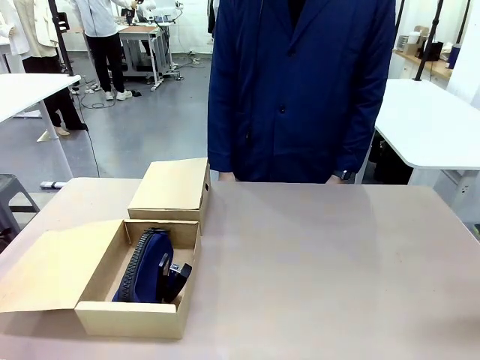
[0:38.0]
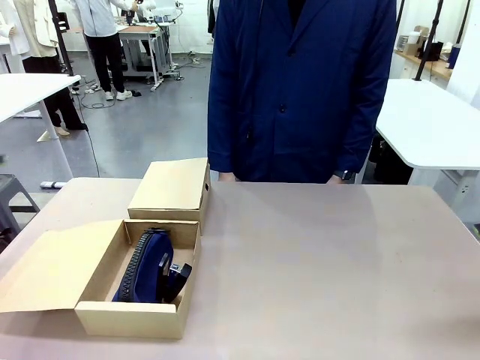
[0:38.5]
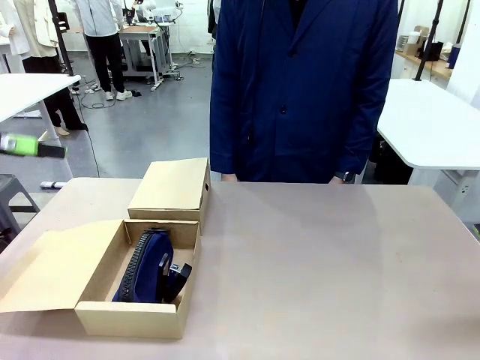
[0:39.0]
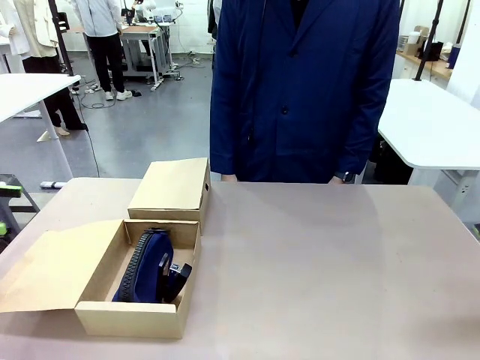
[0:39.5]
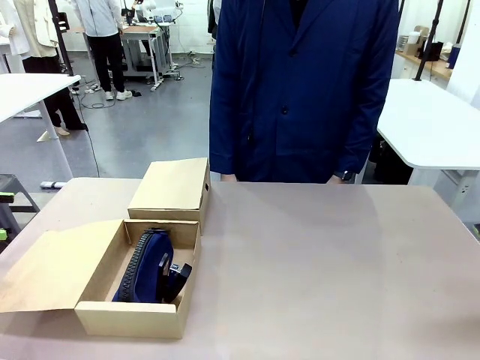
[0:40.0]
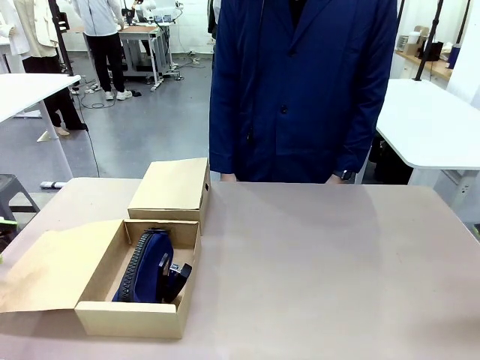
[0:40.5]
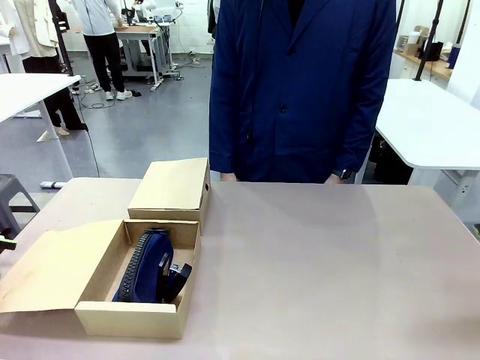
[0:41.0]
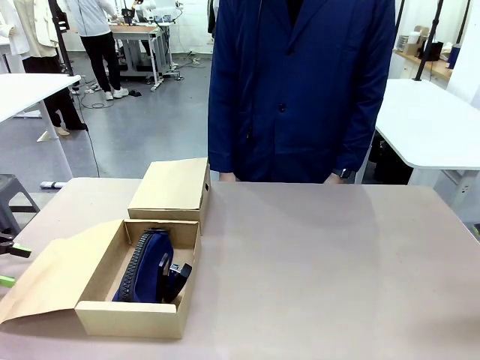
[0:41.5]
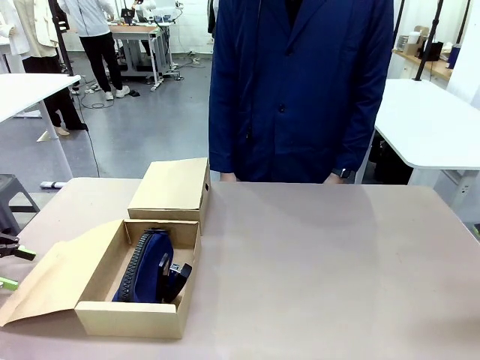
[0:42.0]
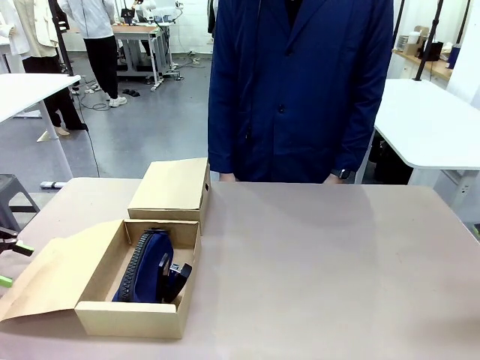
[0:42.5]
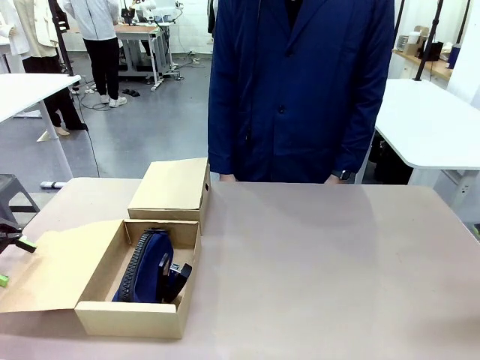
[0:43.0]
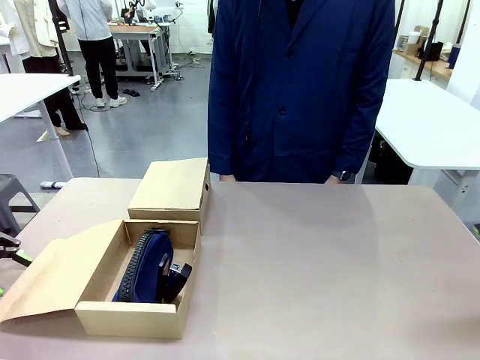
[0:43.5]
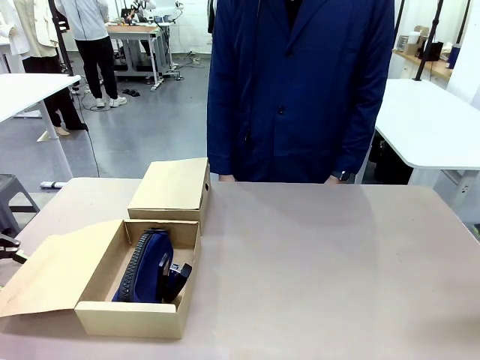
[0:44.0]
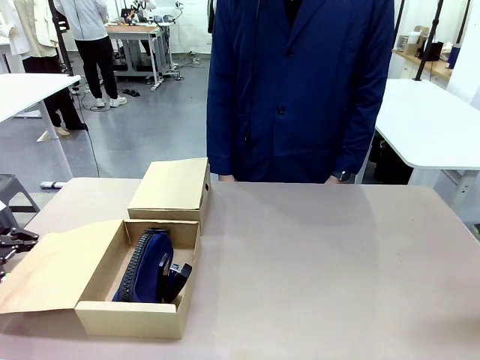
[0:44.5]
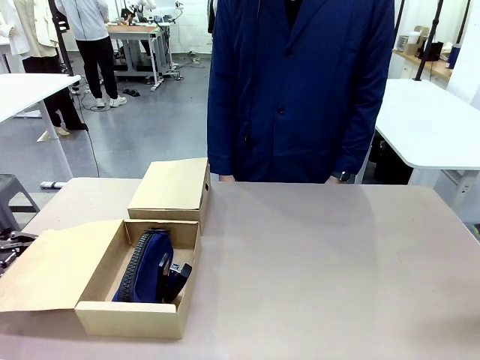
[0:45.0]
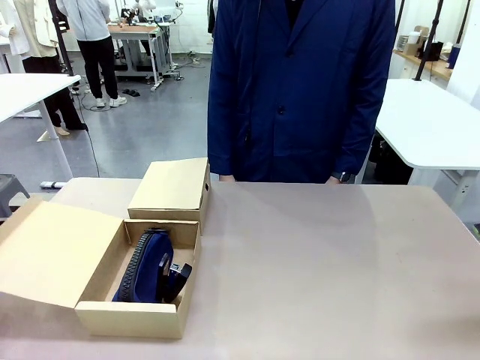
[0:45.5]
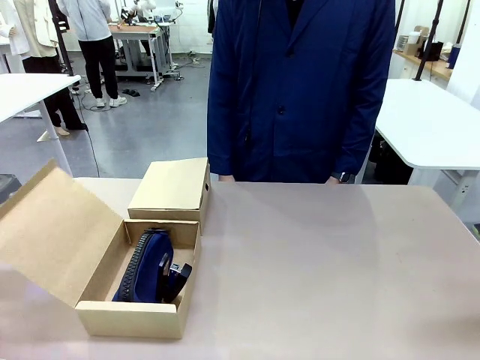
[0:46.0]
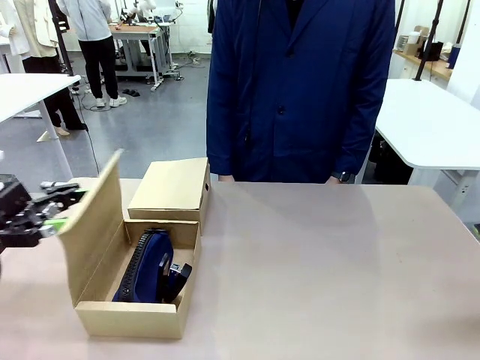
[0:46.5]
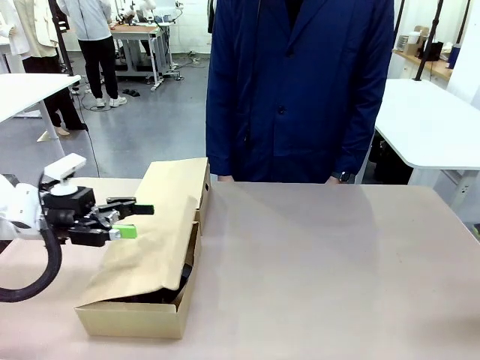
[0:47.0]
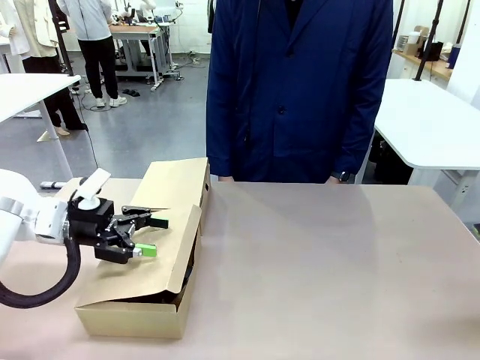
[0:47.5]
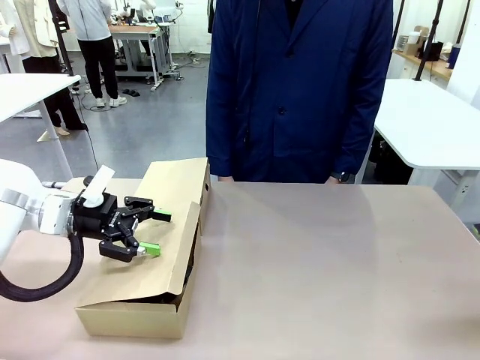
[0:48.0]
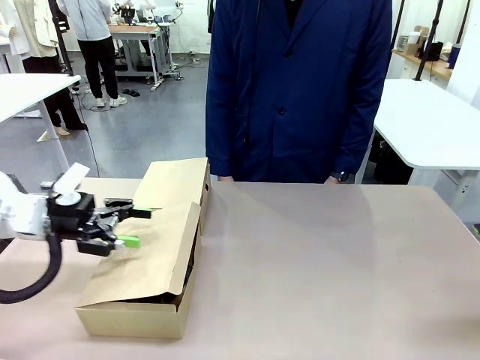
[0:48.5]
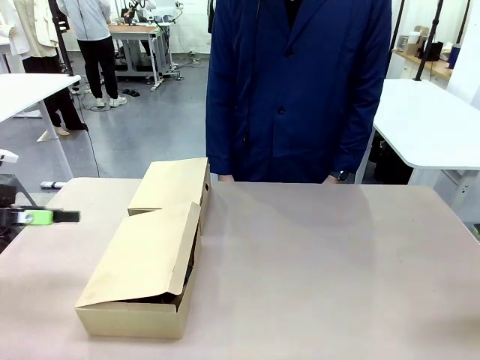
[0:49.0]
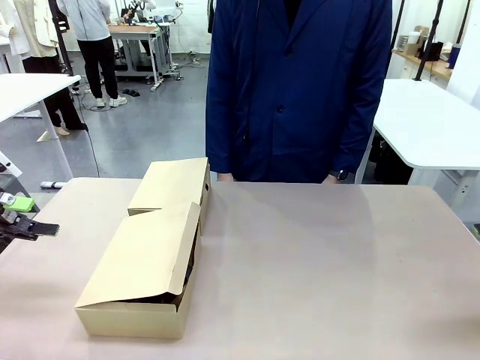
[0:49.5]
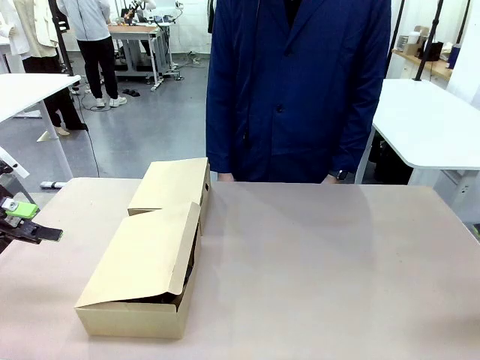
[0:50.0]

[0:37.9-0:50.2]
Task: Place items inside the box.
Robot: Close the lid of the Mailer Box closest to the robot.
Person: Close the lid of the box facing the person.

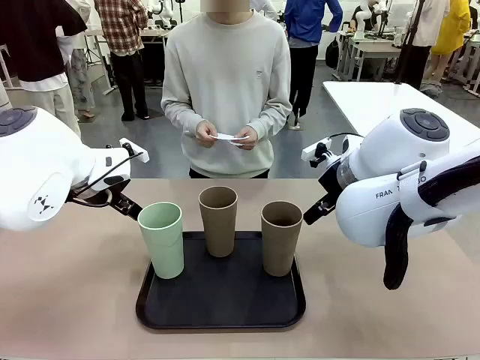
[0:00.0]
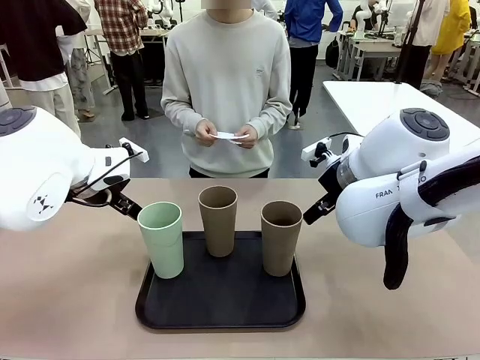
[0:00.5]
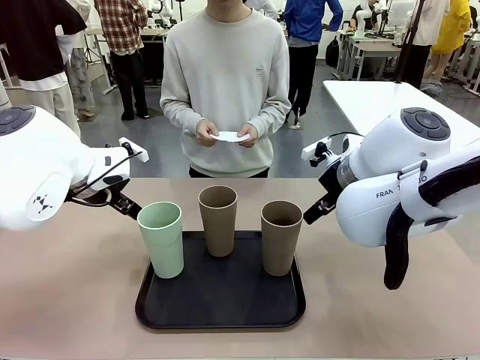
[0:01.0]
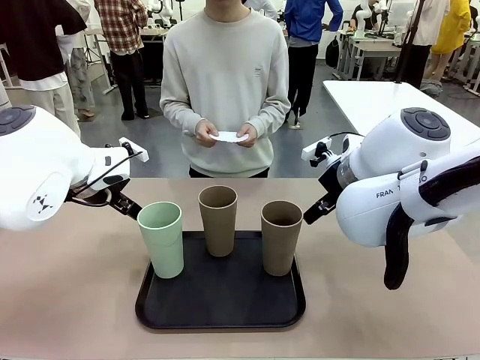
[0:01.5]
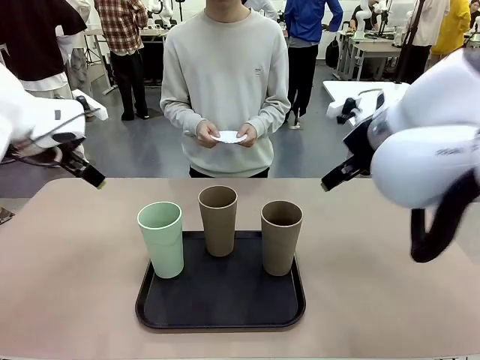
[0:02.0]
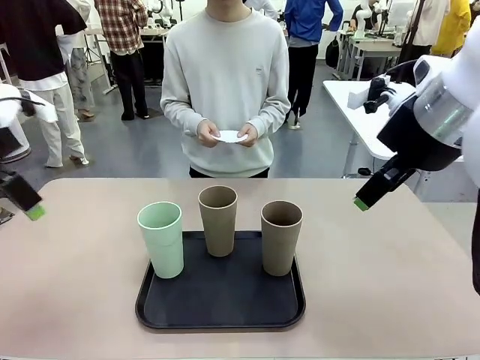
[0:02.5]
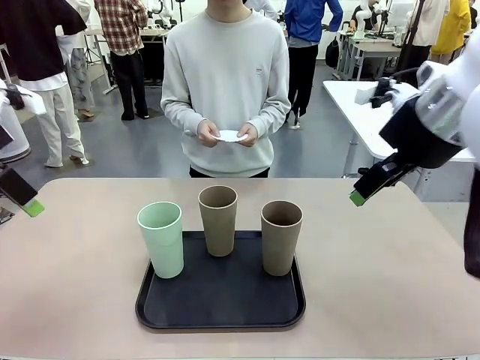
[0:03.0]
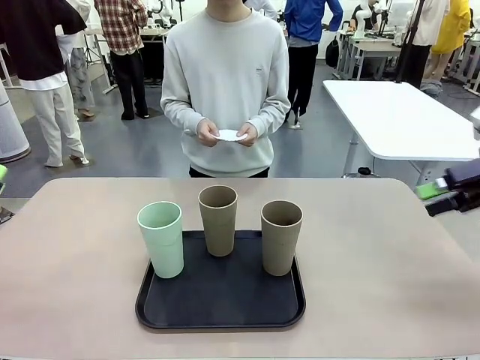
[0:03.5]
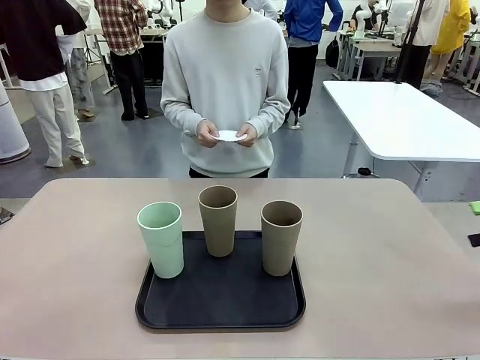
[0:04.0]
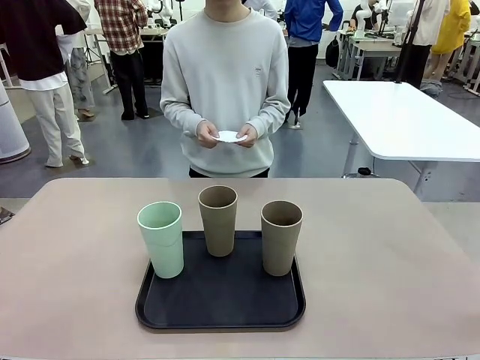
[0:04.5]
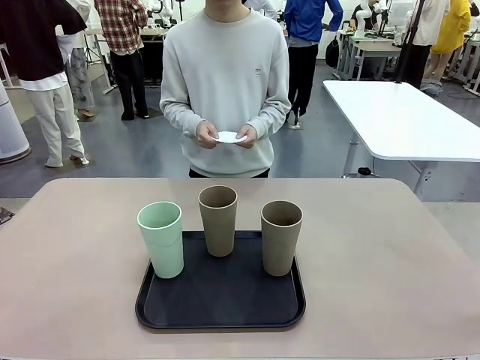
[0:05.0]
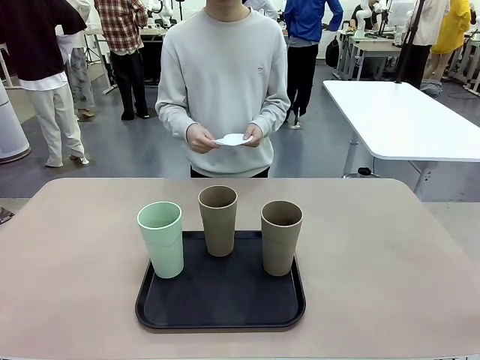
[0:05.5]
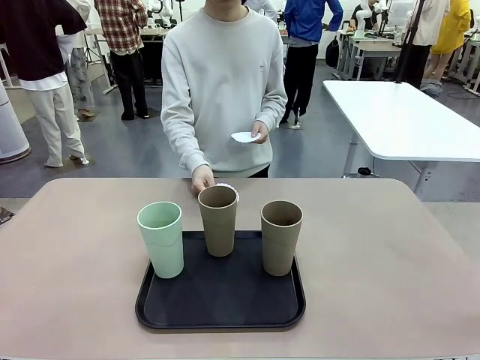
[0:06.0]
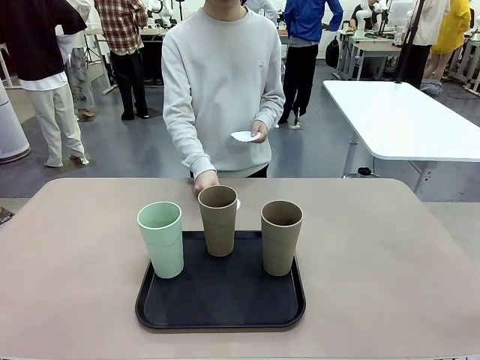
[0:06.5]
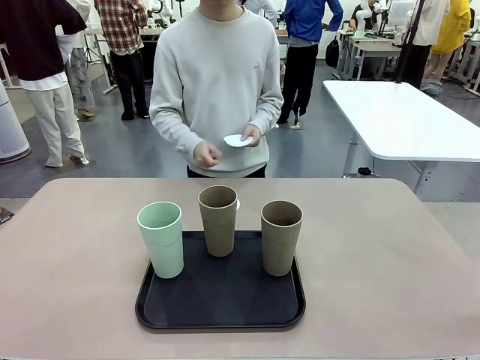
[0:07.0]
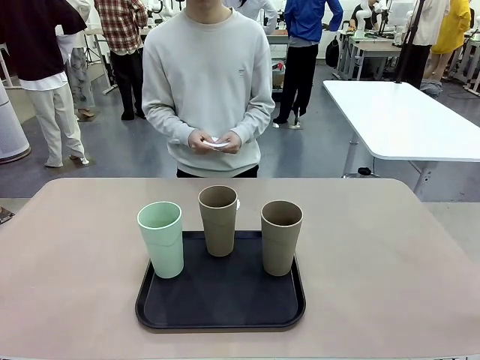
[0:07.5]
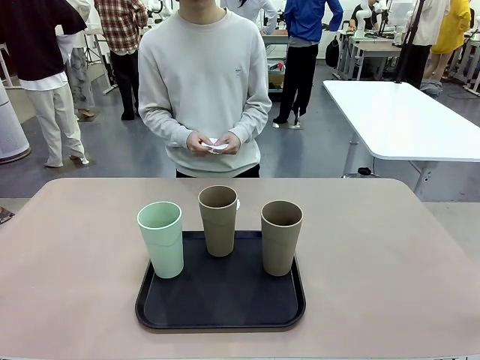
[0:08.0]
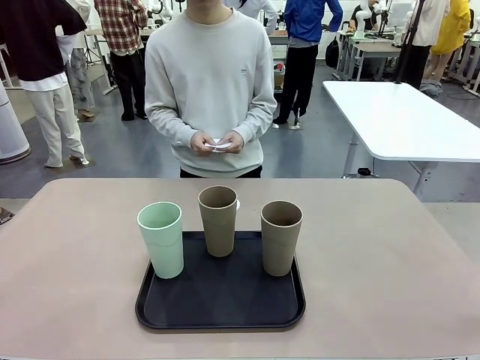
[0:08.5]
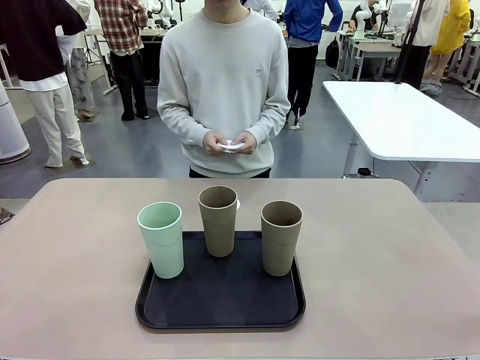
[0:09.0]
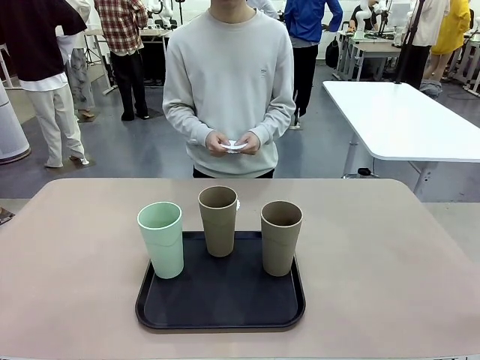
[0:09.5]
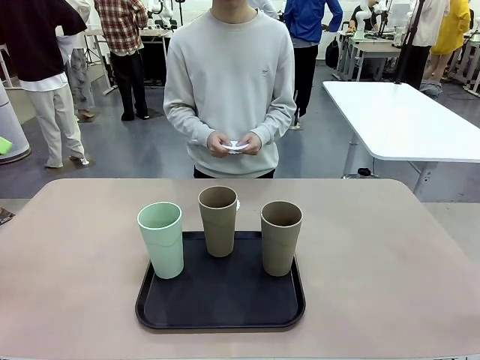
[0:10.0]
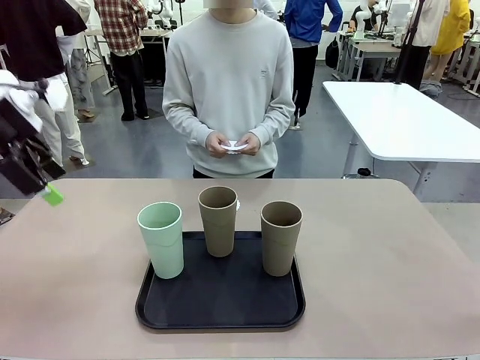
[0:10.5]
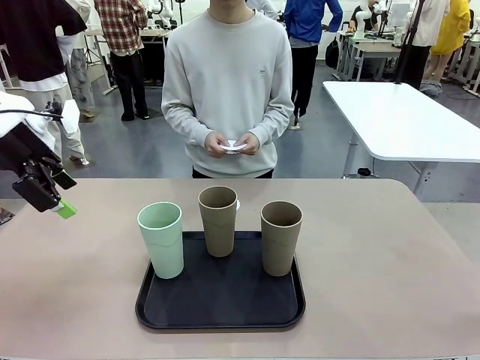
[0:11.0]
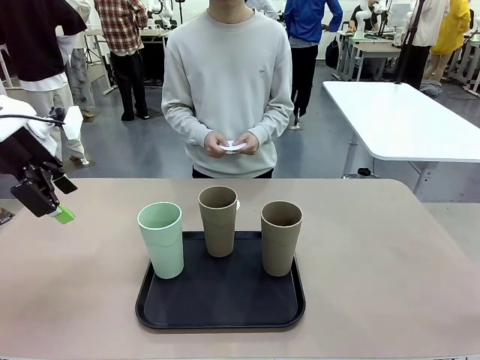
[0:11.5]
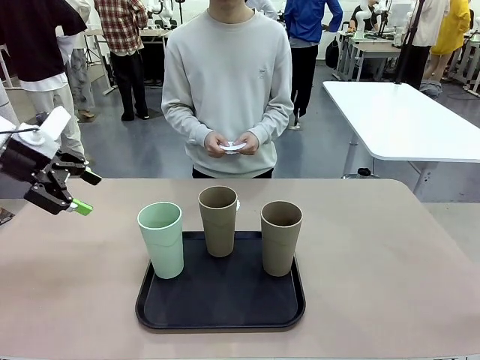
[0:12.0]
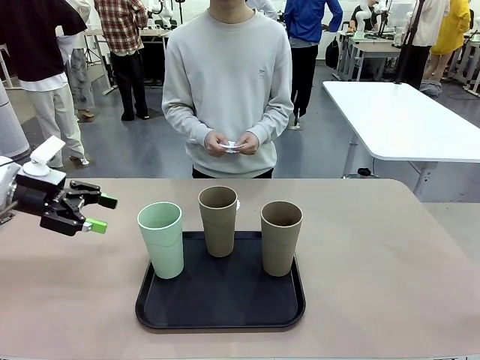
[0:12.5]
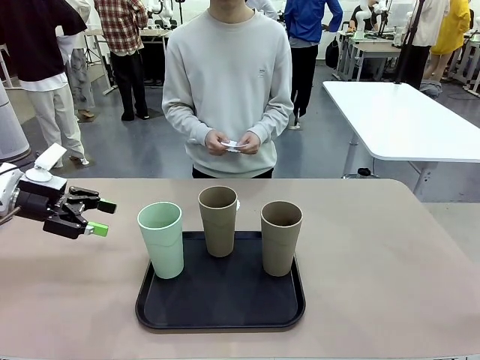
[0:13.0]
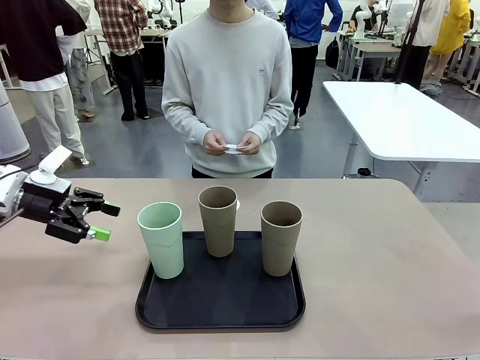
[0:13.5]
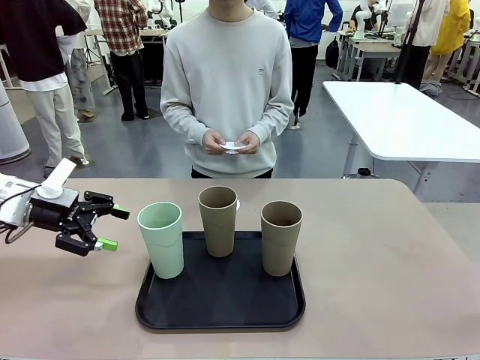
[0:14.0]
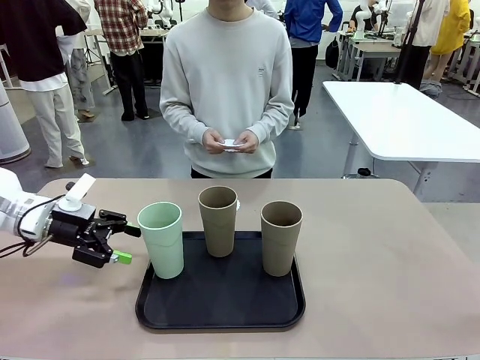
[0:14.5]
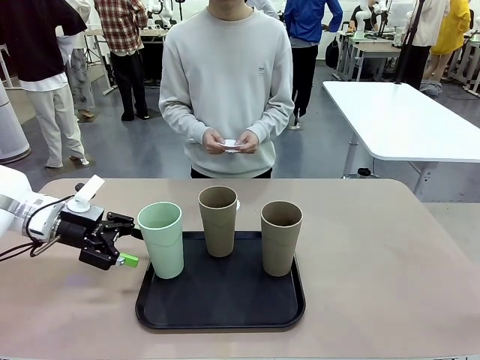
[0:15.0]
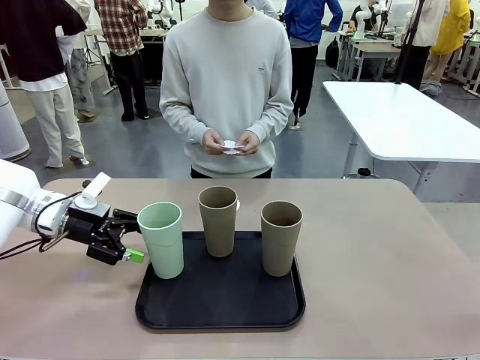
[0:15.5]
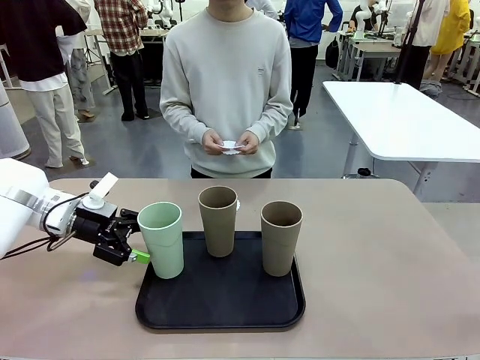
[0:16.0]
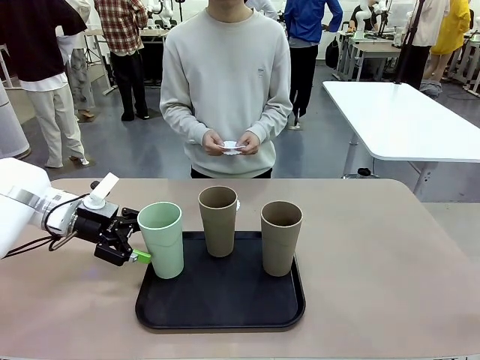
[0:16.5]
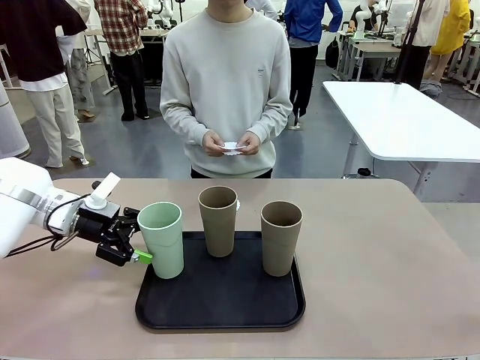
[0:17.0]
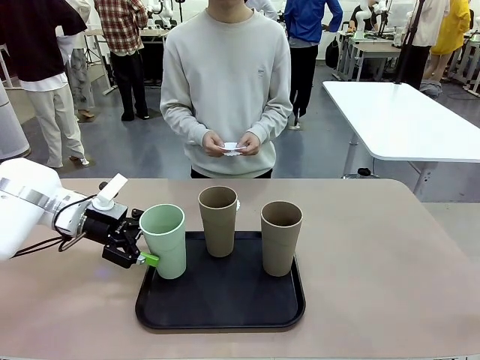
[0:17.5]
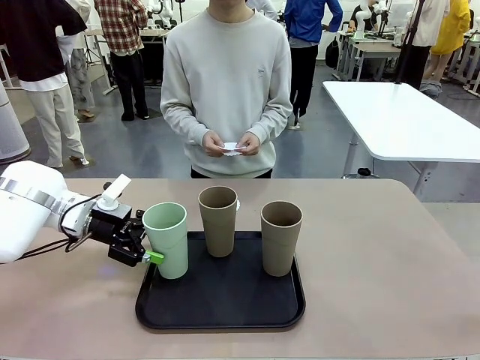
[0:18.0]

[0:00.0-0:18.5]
Task: Place coasters on the table and set cups on them.
Robot: Pick up one Reusable plastic cup and place it on a coaster set by the human.
Person: Place one coaster in any one of the three lower areas of the robot table (left, center, or right).
